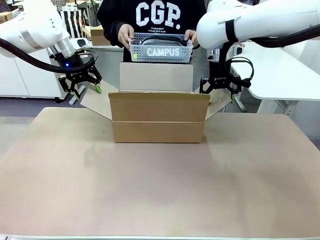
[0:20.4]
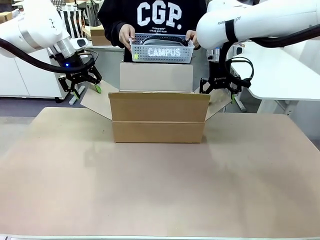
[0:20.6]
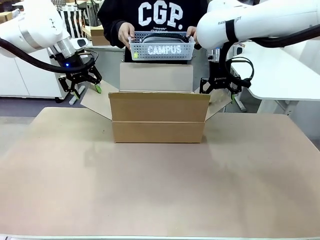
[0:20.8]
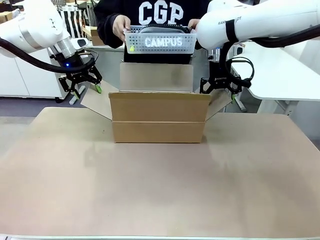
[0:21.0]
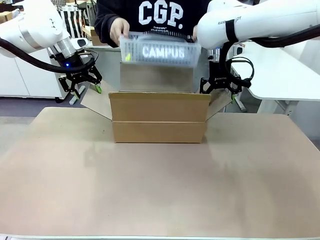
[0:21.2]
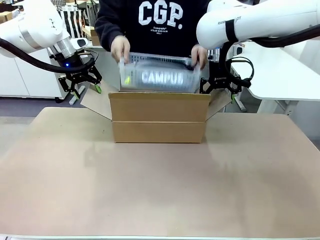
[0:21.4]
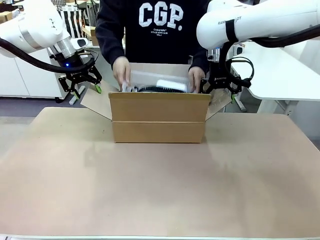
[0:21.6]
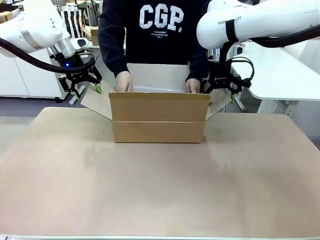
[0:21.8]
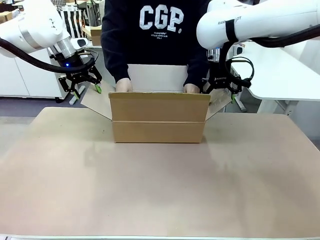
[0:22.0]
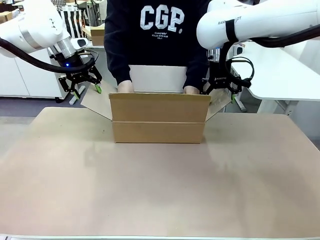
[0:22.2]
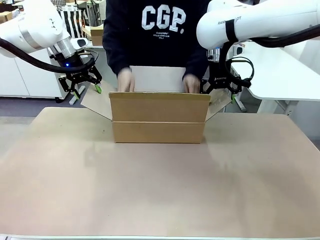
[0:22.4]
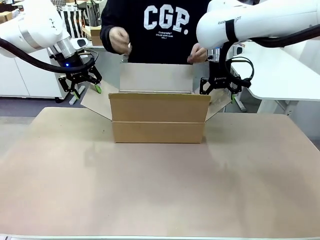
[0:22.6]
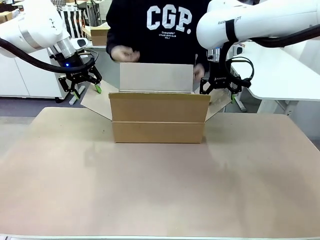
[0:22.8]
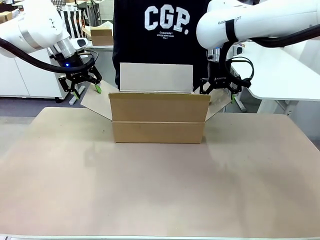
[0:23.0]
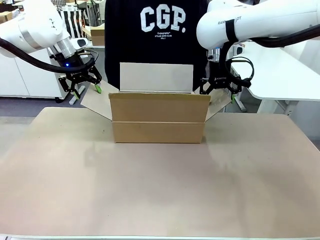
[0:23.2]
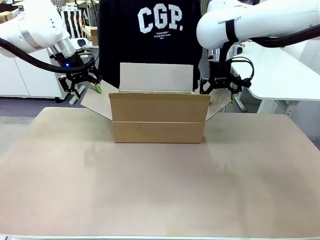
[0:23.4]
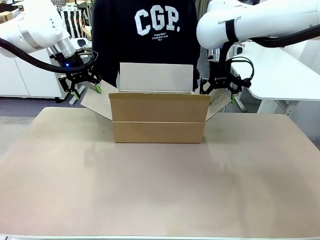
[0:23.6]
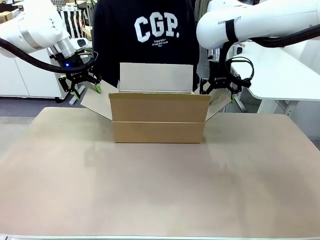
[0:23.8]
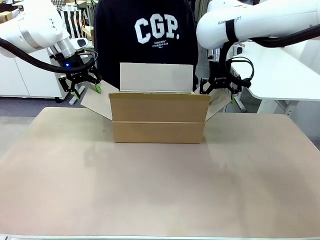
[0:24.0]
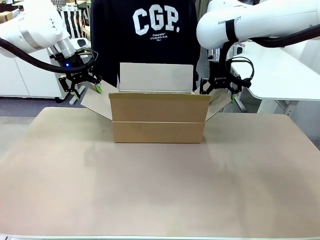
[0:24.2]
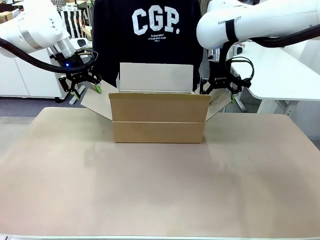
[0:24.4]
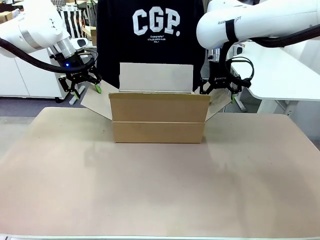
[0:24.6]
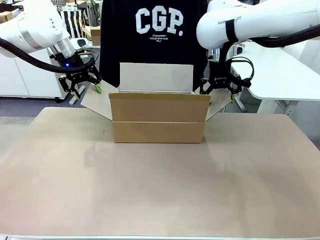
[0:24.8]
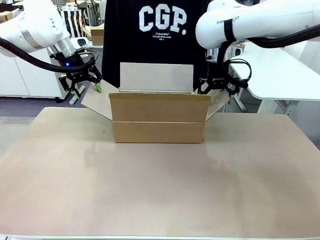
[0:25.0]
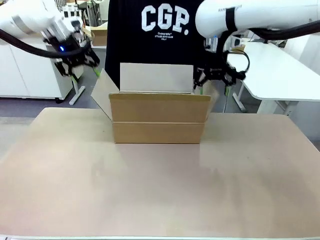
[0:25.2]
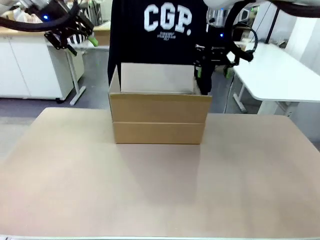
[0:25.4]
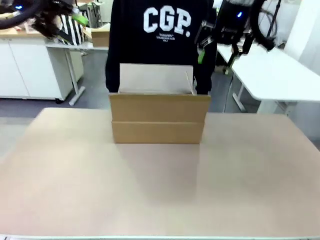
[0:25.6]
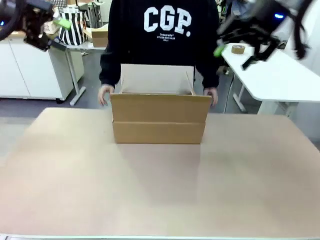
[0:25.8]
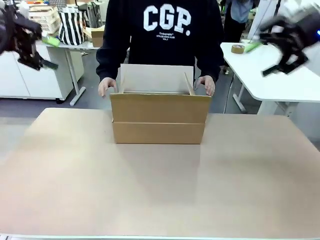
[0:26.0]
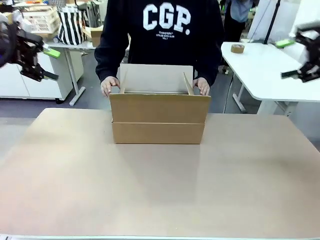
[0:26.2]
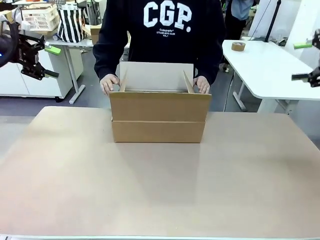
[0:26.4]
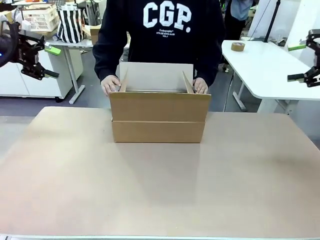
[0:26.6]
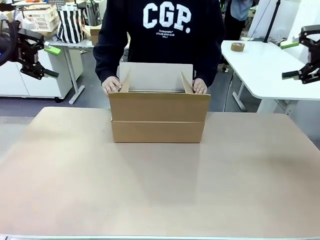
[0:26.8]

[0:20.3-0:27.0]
Task: Pack the gift set into the box.
Robot: Lift both hands away from the flaps of the Package Box.

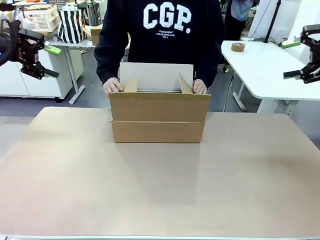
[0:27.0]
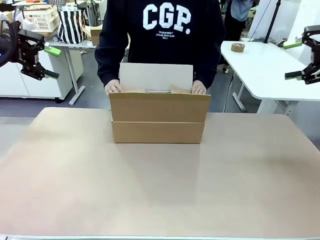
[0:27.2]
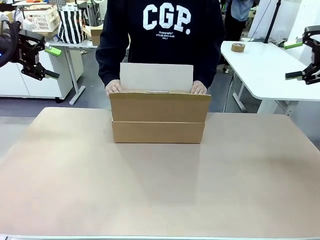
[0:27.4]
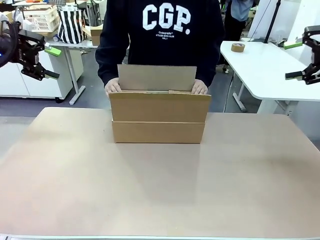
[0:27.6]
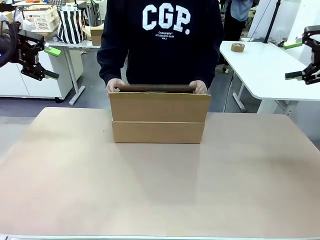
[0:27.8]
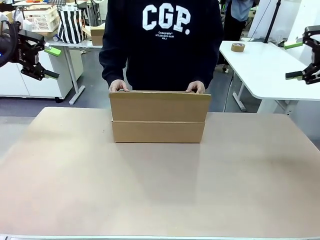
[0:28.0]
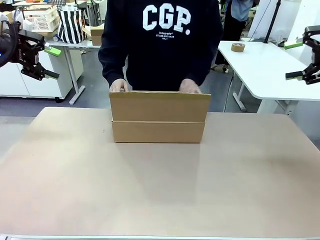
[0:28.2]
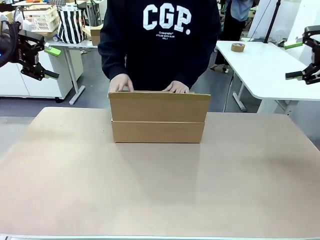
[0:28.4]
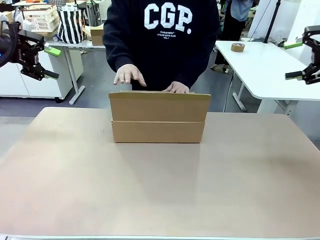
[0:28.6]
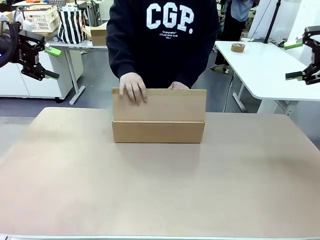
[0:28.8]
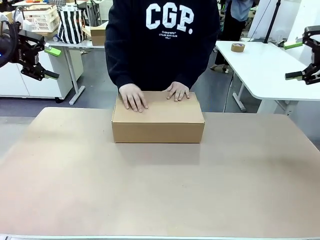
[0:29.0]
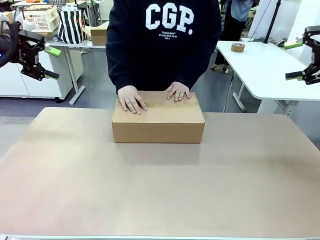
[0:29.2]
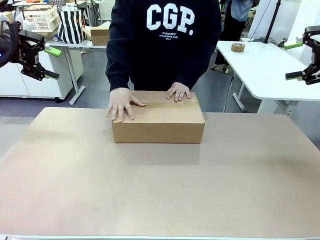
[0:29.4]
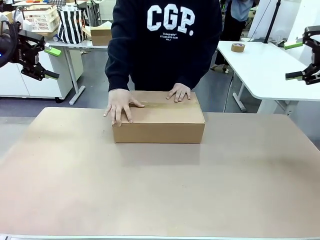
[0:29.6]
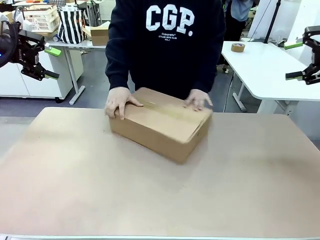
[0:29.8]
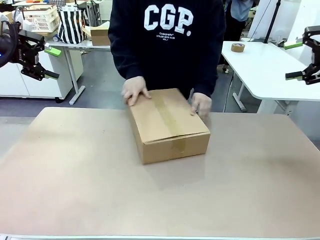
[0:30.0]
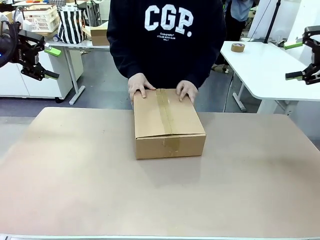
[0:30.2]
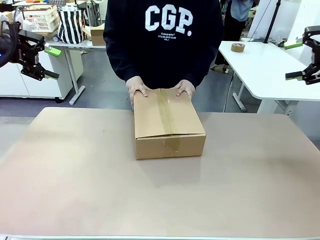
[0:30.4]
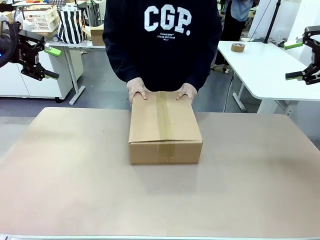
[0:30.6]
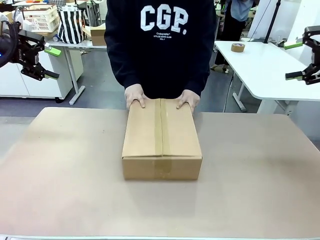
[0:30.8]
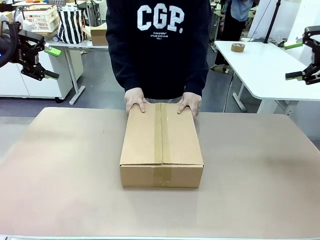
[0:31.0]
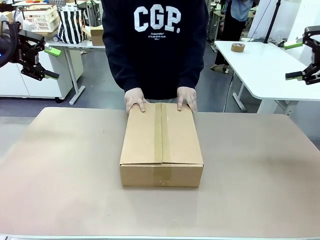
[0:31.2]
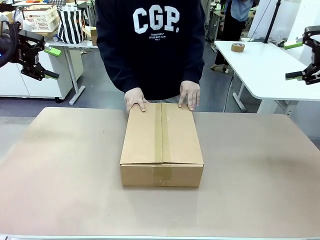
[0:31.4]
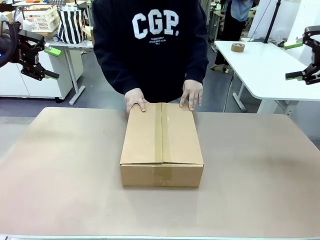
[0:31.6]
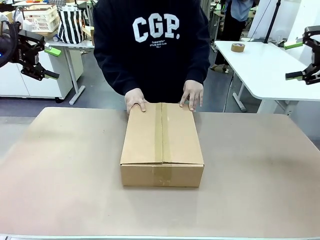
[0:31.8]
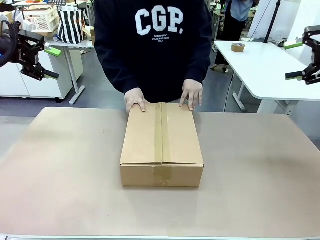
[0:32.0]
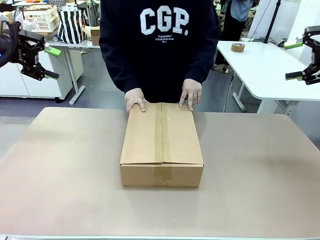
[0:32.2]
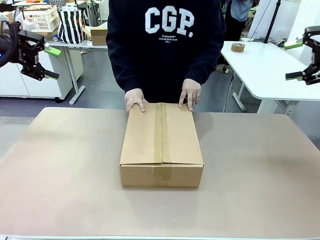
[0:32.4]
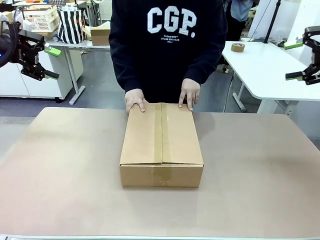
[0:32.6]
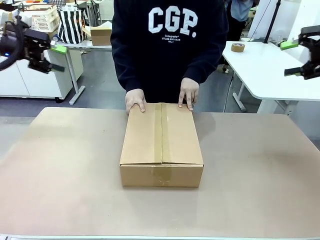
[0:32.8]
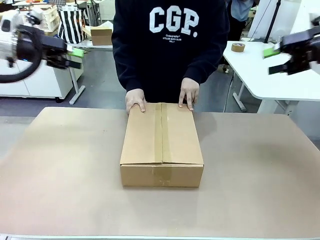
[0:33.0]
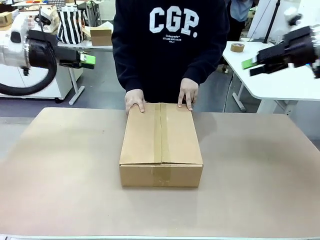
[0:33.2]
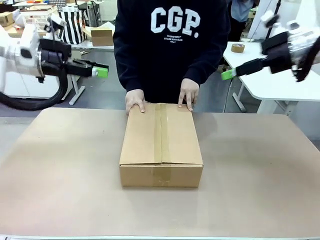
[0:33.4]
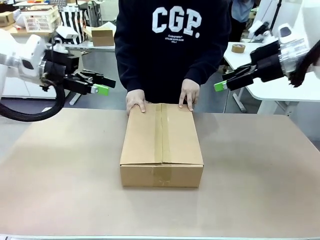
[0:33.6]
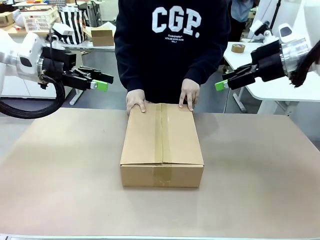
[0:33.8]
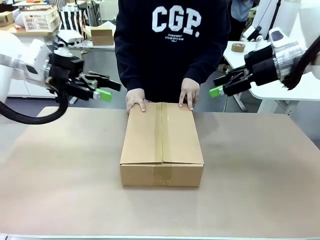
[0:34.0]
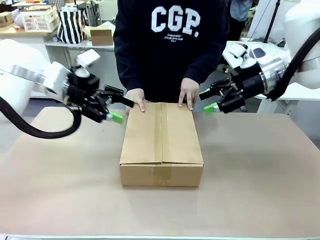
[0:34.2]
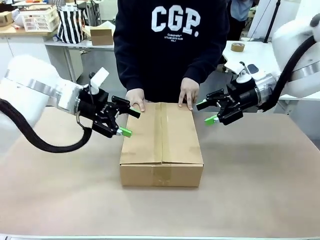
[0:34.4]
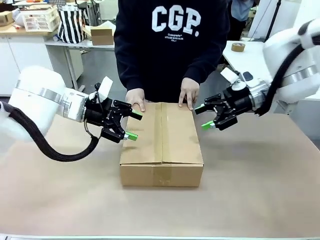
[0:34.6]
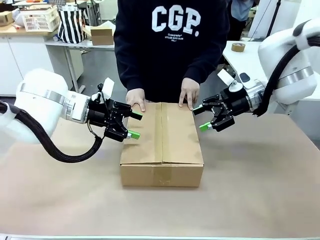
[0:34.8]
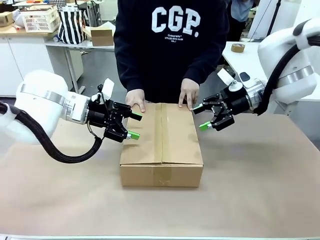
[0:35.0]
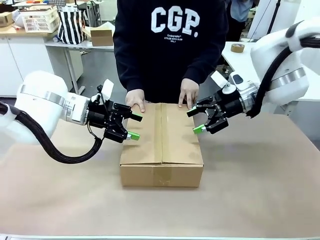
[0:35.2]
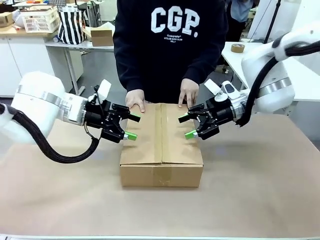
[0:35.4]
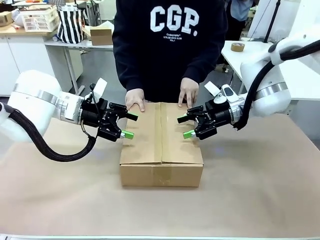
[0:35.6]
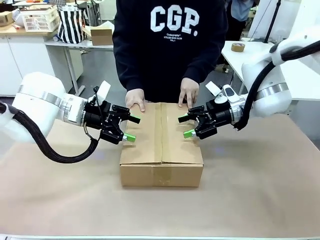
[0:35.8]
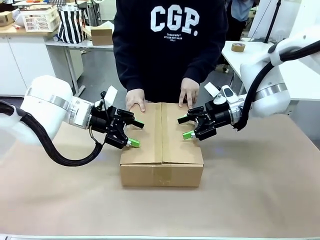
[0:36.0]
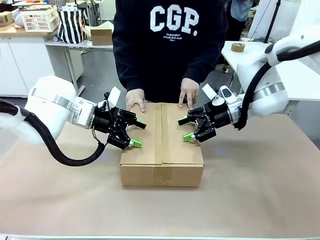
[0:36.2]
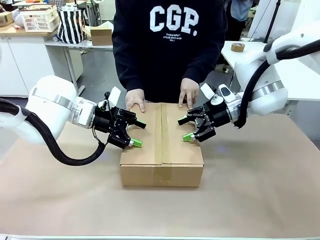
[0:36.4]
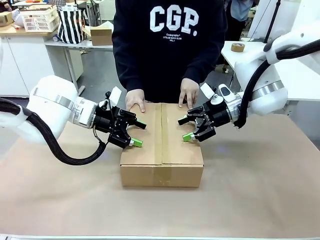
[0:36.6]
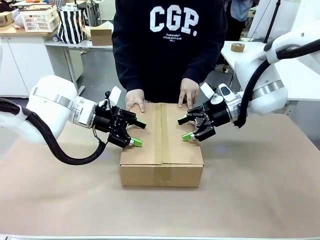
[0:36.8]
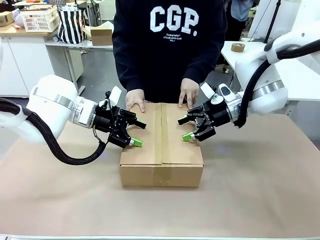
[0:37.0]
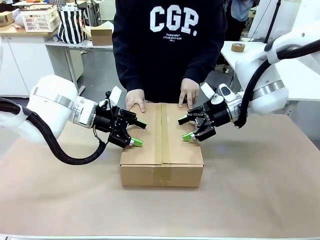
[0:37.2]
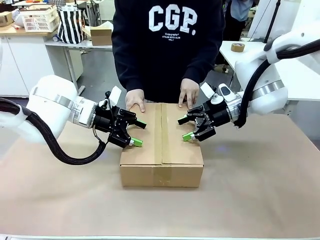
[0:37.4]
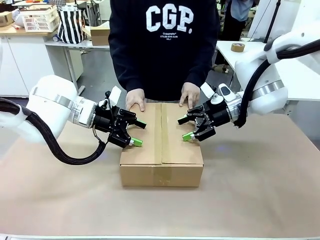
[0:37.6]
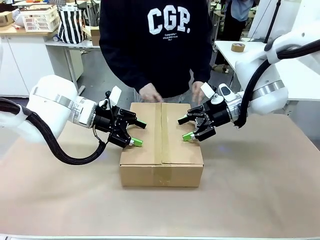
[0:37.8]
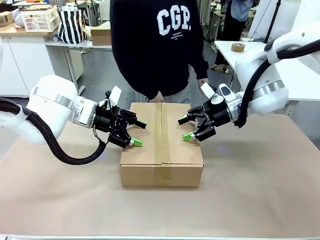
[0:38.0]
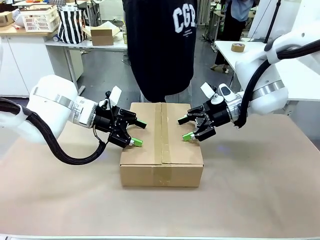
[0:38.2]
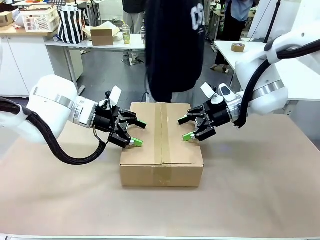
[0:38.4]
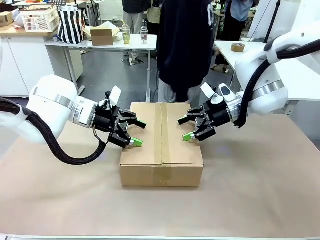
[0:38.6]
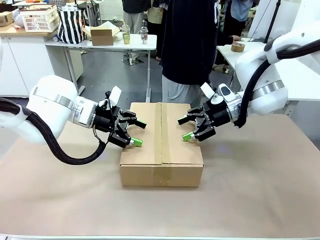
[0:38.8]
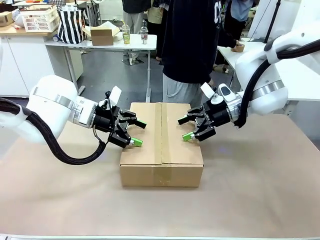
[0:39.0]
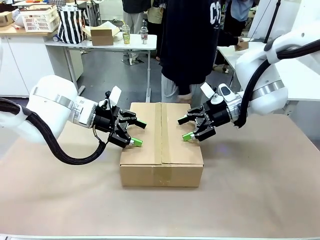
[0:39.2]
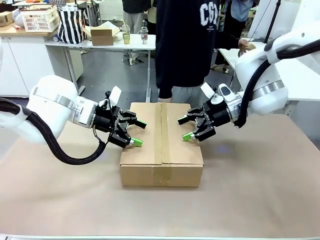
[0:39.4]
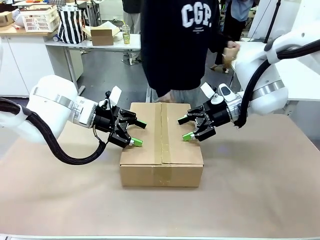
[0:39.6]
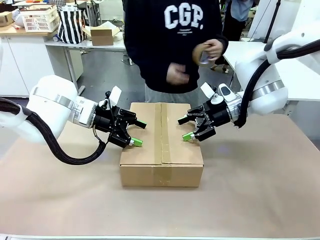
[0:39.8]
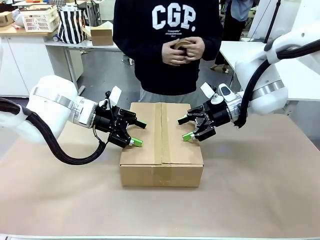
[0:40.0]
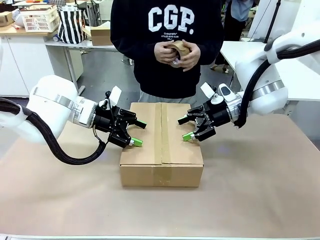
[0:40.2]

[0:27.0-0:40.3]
Robot: Press and hold the closed box until the human finishes sealing it.
Person: The human closes the box and rotates the box by 90 degrees.
